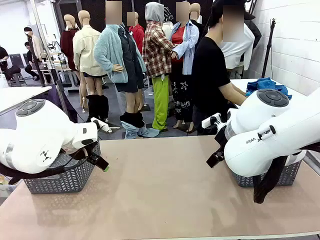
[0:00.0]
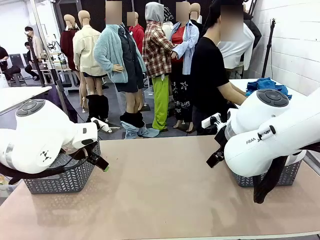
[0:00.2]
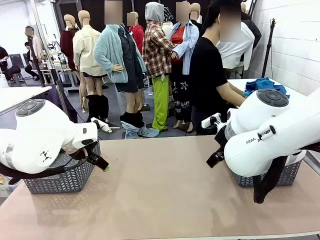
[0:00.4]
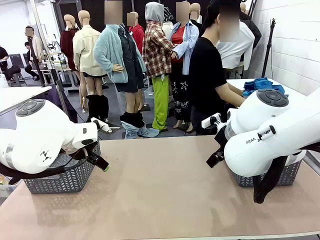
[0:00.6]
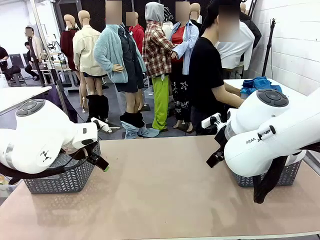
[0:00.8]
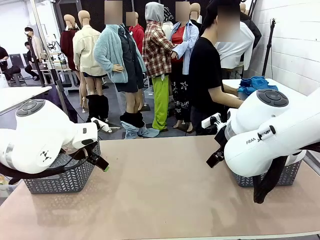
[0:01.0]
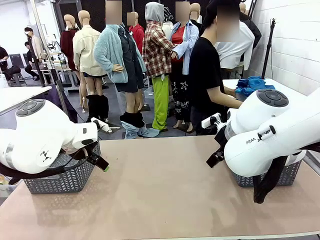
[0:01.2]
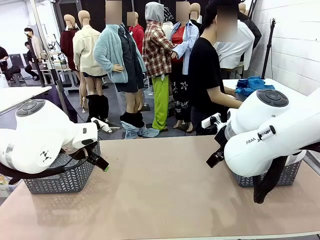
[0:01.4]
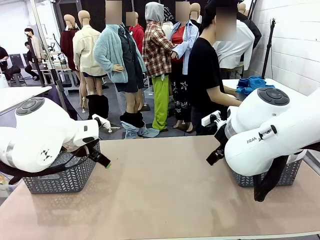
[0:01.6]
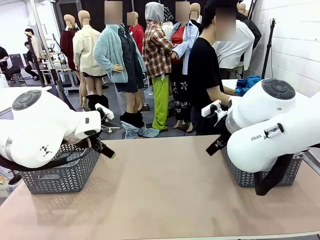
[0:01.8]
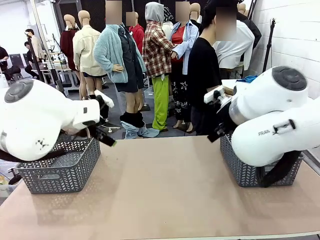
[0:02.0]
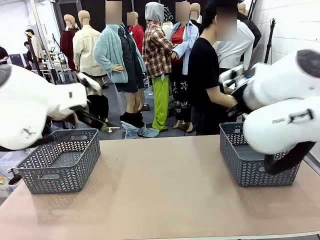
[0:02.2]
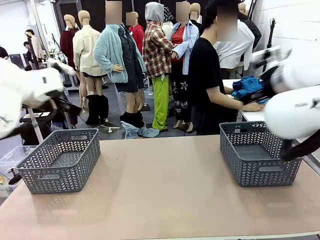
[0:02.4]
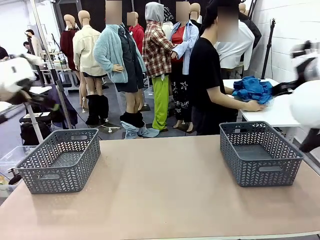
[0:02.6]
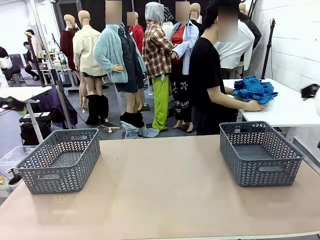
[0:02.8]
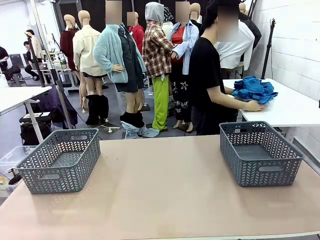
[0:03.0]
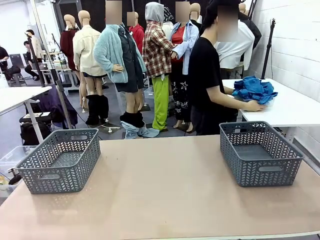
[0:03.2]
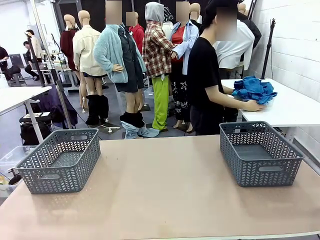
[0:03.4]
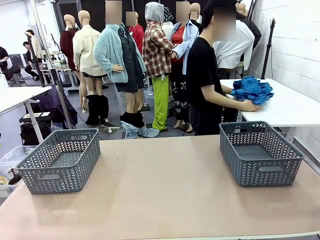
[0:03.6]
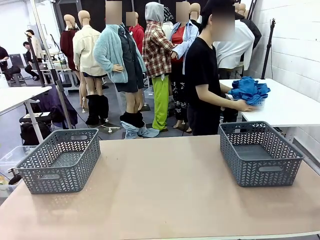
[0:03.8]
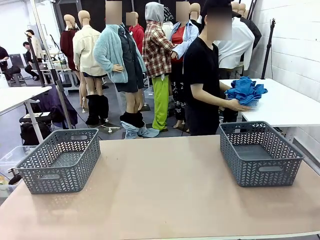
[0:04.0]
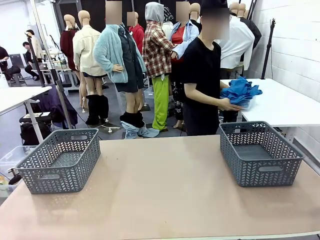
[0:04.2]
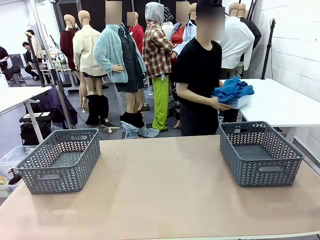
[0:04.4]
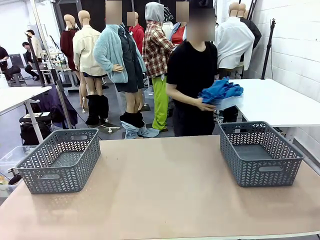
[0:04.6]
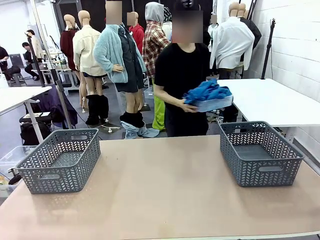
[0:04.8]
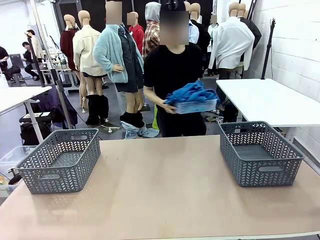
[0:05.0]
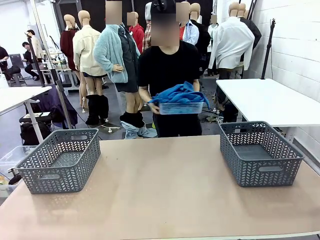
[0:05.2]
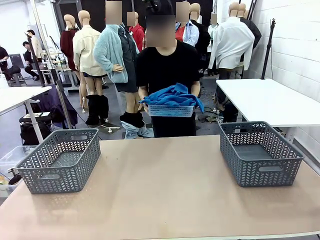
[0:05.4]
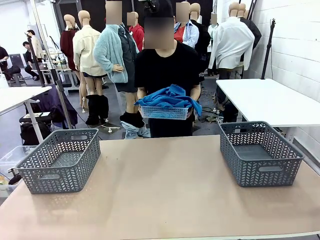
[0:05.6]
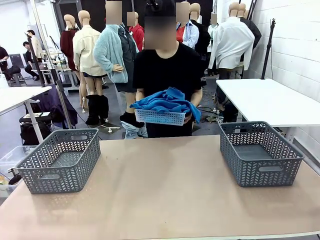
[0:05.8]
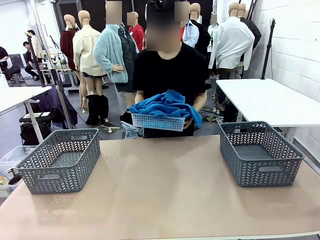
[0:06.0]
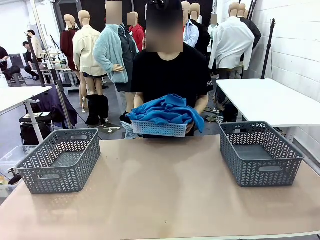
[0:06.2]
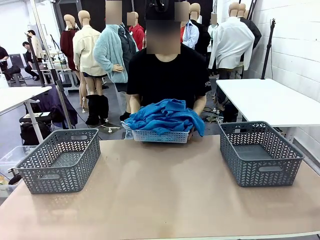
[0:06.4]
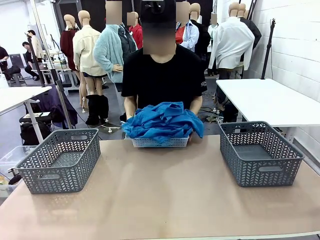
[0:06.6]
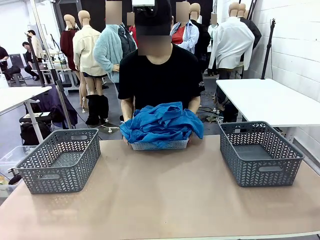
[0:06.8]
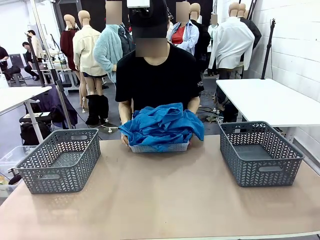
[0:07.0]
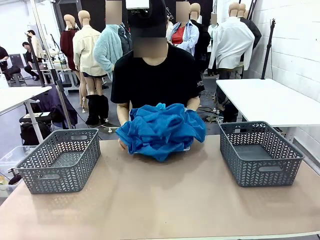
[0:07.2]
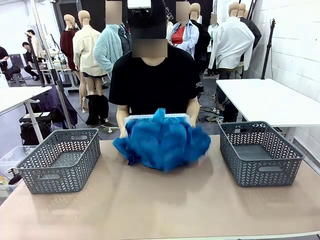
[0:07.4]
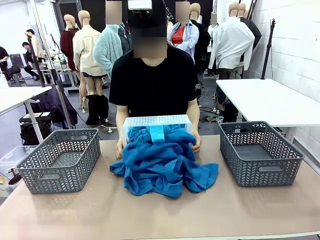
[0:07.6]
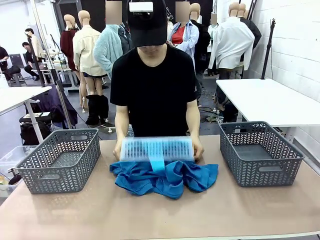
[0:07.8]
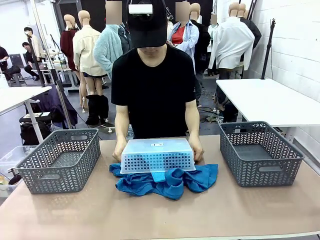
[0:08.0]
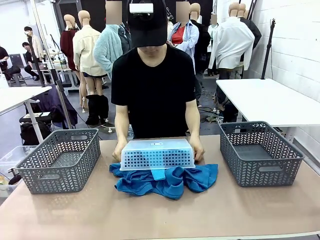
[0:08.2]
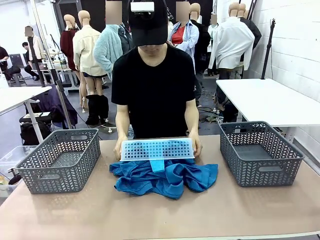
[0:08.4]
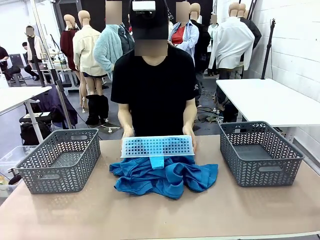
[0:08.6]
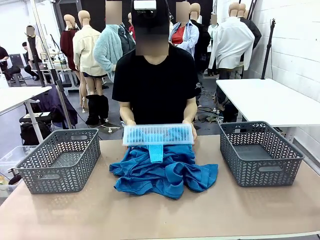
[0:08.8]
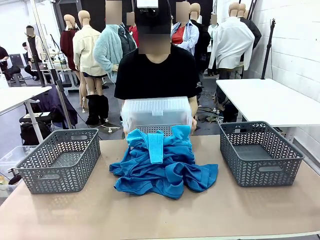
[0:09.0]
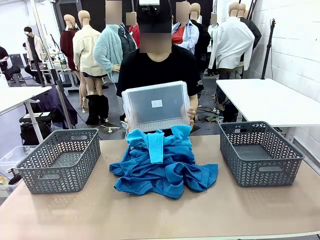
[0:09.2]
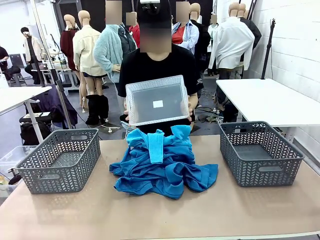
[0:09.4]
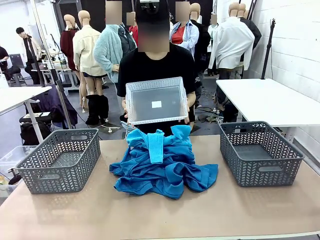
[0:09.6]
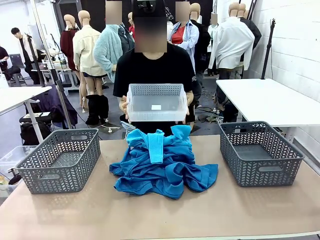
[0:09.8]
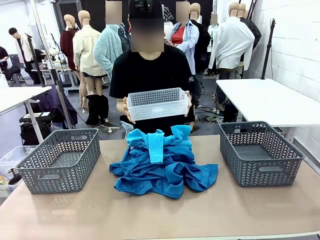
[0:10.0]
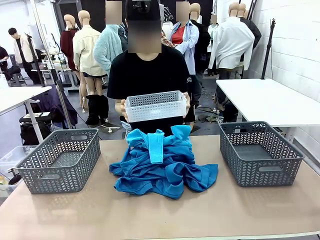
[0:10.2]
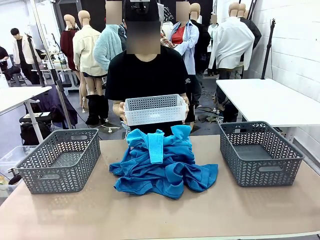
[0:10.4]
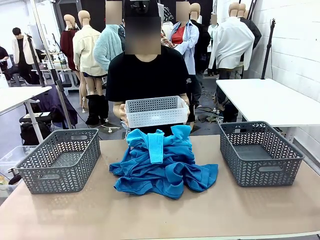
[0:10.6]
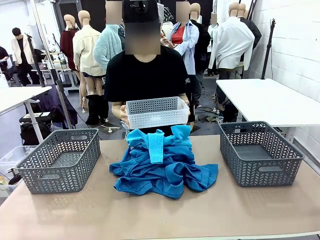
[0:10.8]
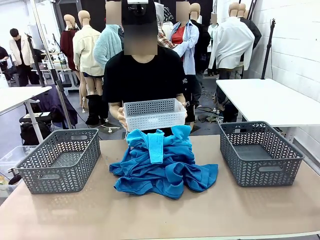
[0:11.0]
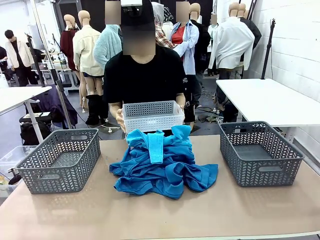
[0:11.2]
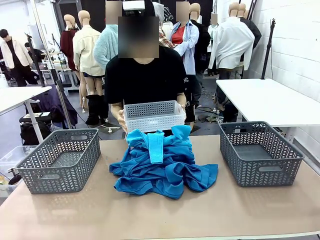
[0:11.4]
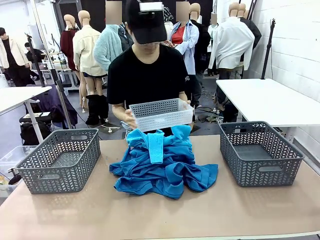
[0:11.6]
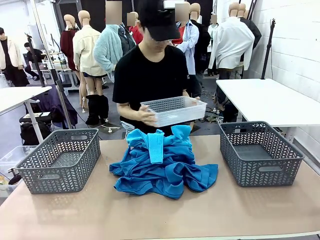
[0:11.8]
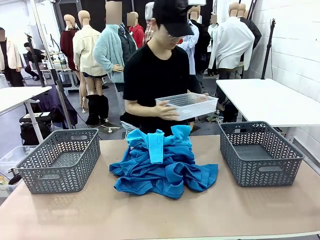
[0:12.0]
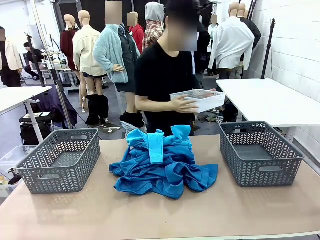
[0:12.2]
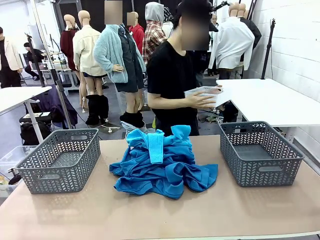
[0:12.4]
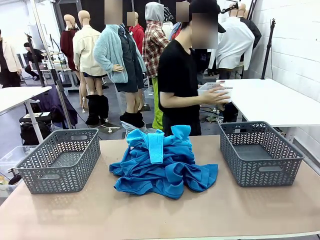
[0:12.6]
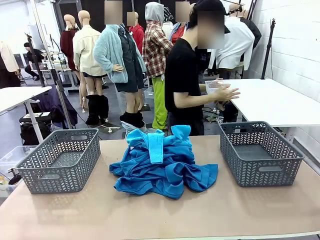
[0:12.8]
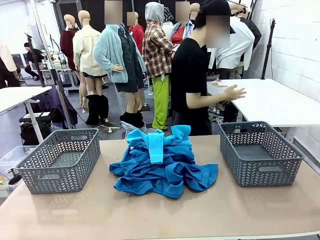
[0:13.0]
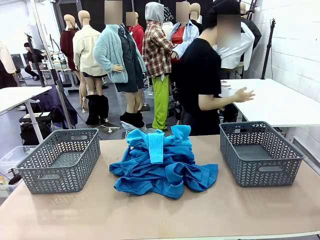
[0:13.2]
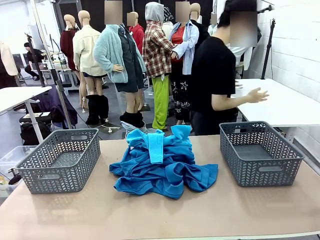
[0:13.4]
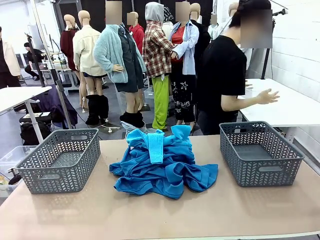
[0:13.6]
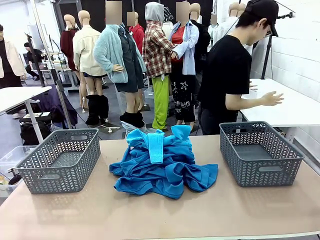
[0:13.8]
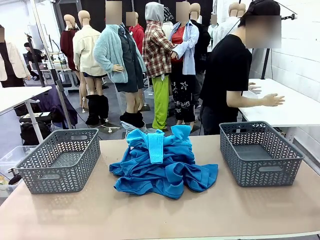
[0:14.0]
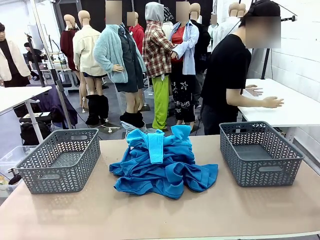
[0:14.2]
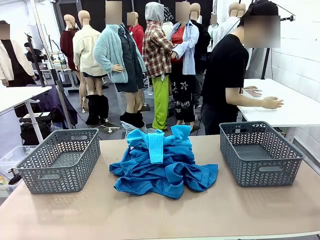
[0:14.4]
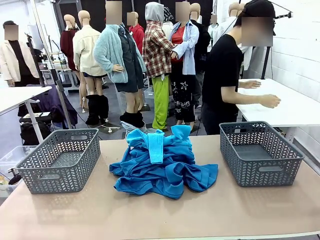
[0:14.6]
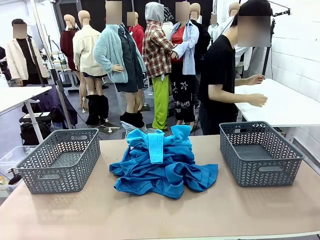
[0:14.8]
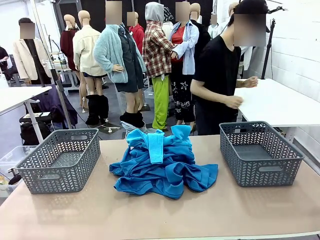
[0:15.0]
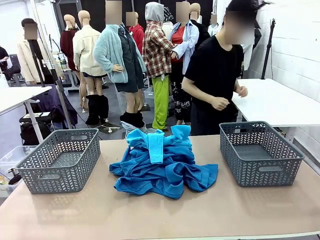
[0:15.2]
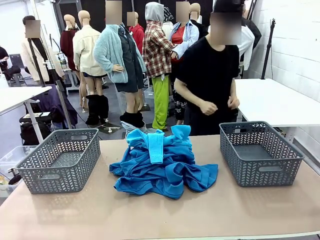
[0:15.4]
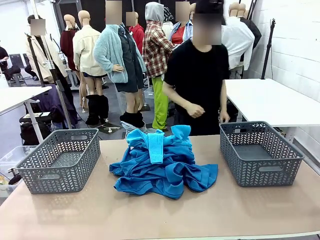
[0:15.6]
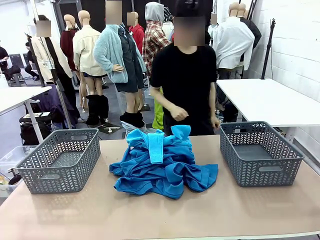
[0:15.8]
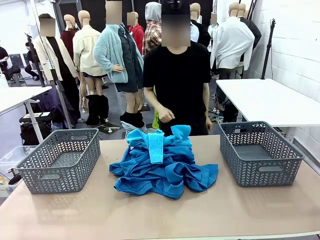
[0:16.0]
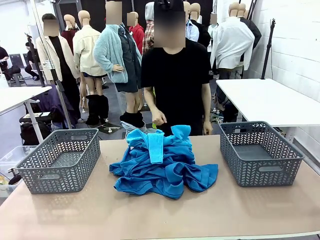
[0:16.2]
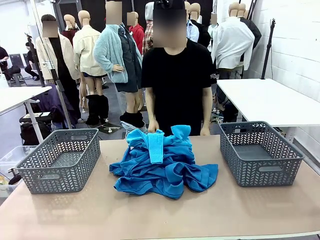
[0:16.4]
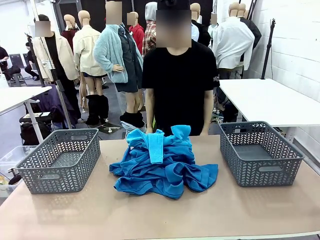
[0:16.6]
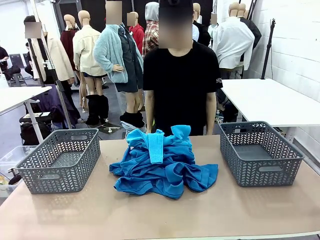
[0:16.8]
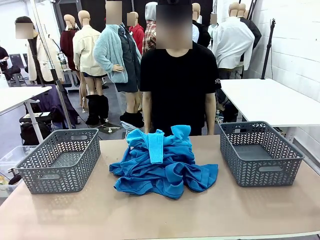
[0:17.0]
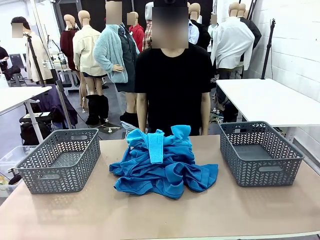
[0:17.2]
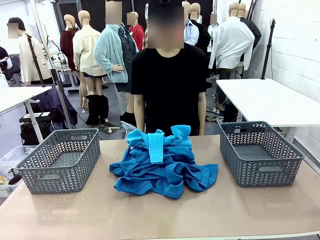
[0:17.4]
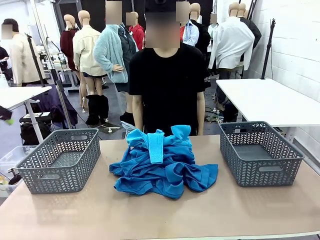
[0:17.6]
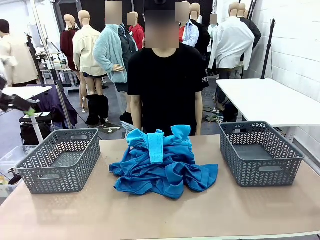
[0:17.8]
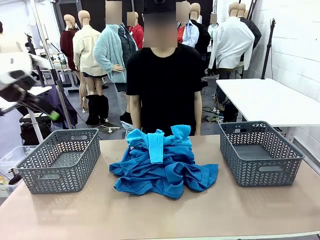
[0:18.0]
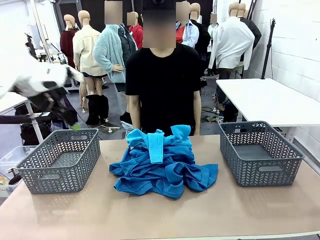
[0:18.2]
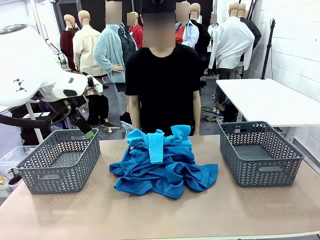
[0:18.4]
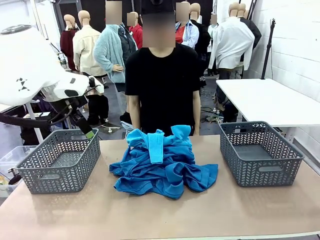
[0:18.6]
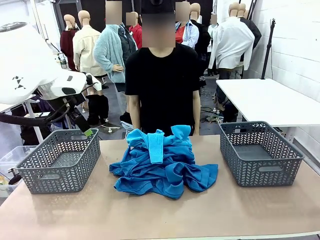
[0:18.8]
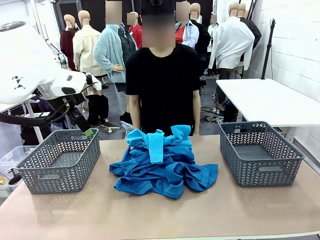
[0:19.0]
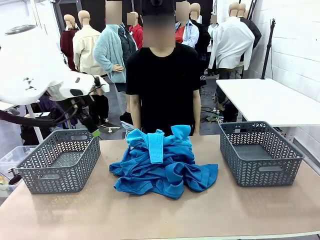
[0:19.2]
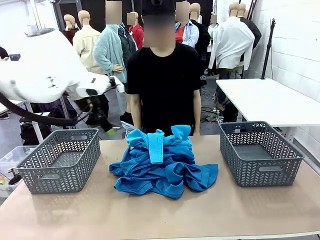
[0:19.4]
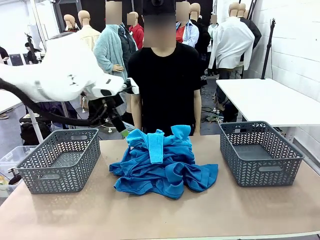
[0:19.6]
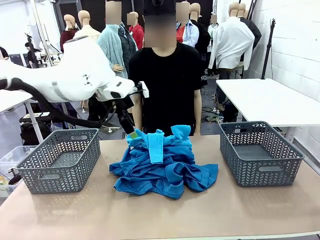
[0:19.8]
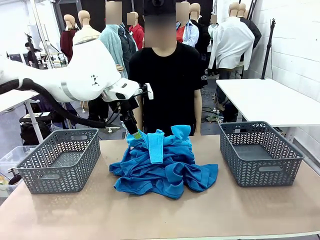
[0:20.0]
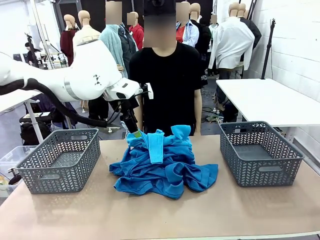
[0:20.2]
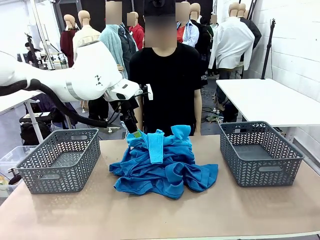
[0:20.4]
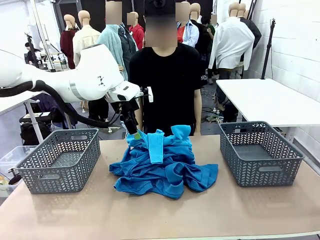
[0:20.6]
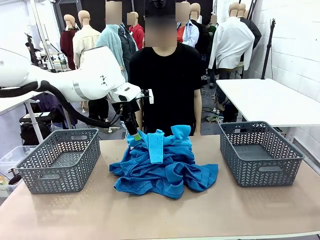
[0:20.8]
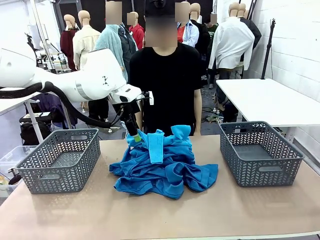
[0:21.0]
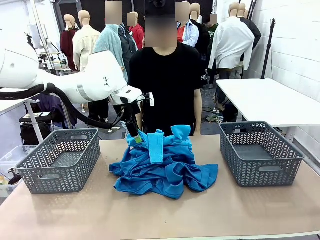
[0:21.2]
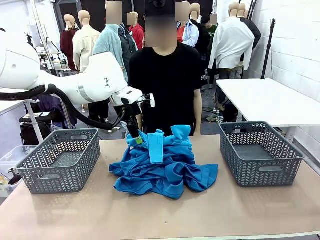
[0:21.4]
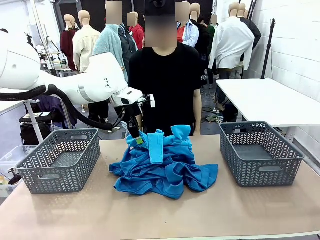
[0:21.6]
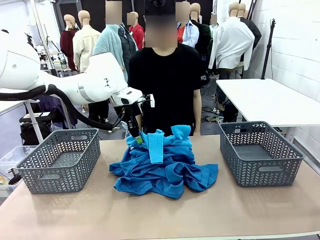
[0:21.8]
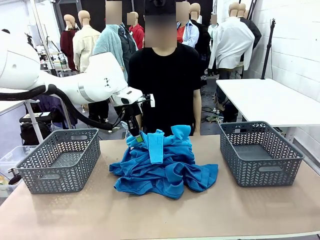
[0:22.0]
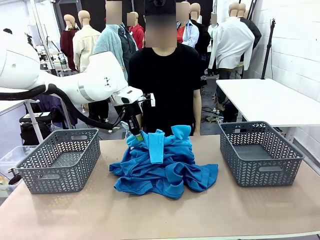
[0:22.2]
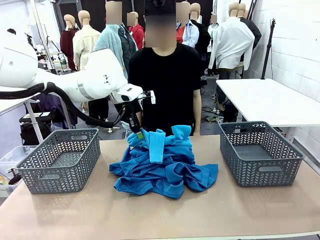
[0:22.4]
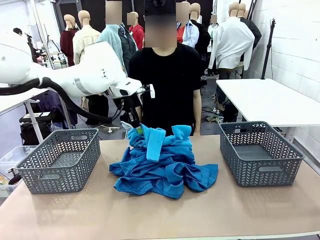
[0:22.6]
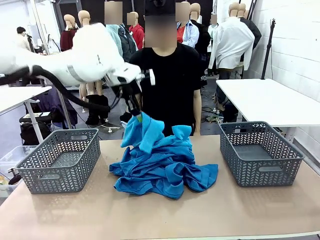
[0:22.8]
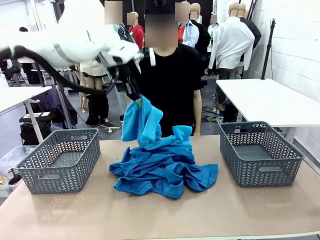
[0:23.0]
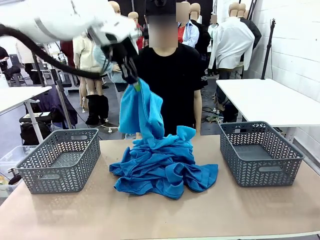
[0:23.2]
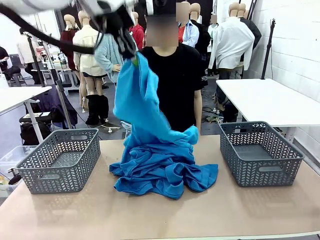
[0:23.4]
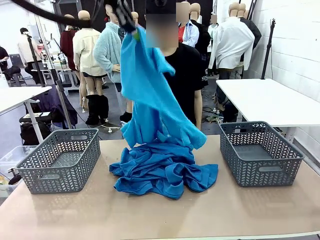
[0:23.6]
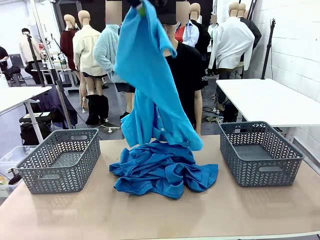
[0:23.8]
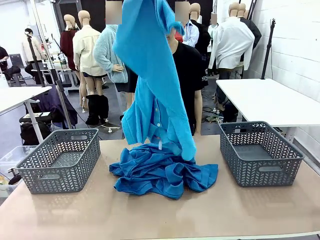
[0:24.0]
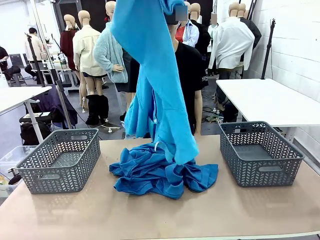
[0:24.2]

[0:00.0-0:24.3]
Task: Sort the tops and bottoms.
Robot: Lift clothes from the center of the table with your left hand.
Person: Pour the clothes from the basket onto the center of the robot table.
